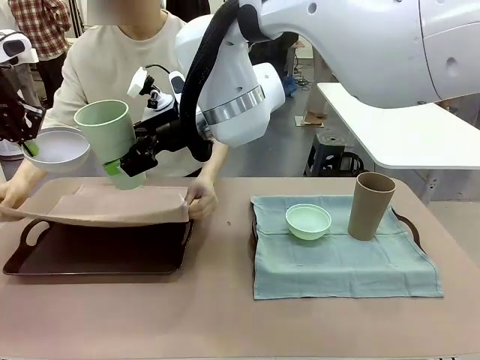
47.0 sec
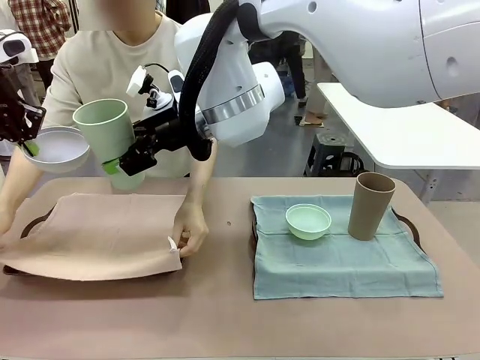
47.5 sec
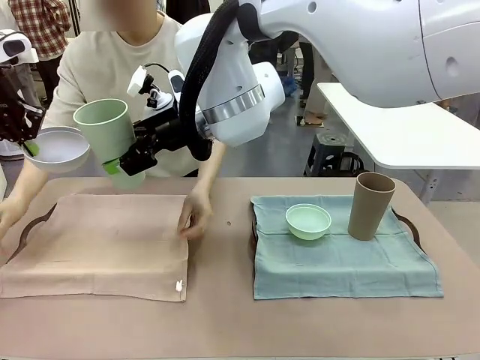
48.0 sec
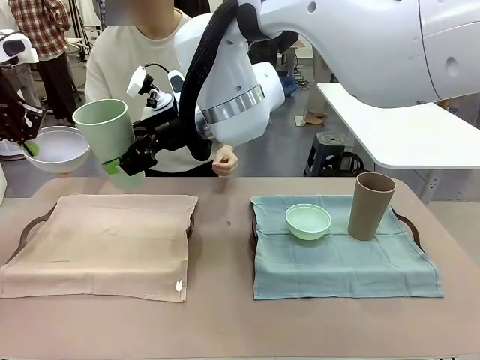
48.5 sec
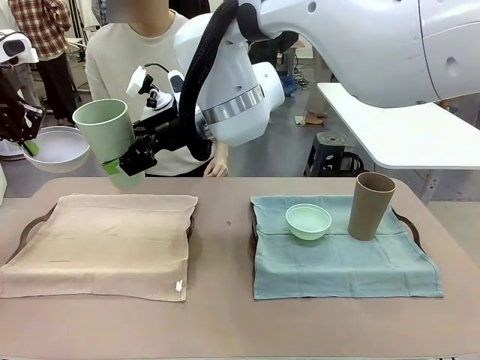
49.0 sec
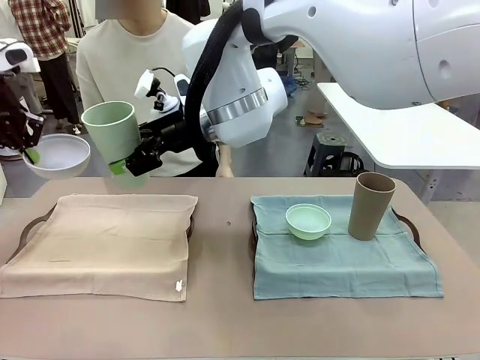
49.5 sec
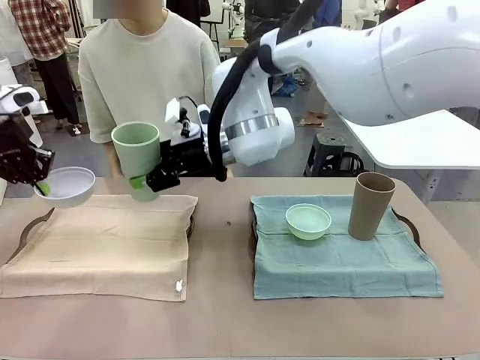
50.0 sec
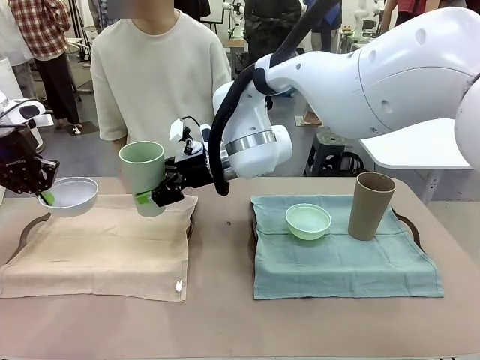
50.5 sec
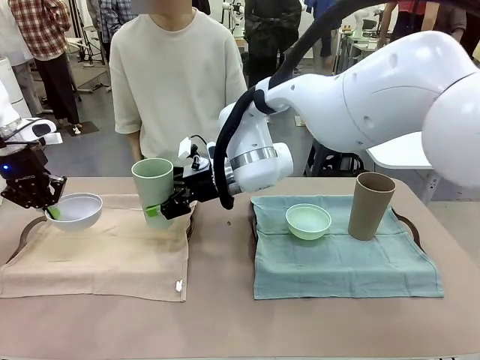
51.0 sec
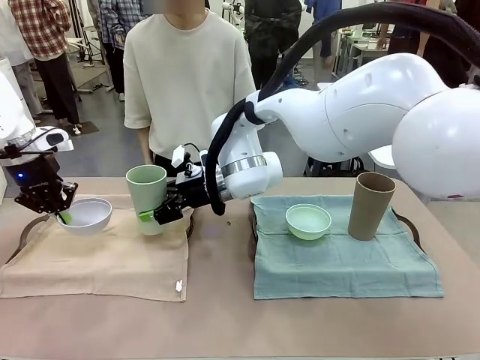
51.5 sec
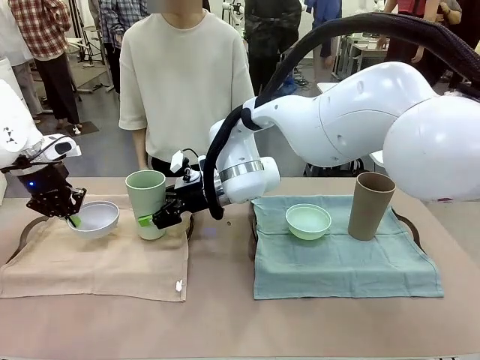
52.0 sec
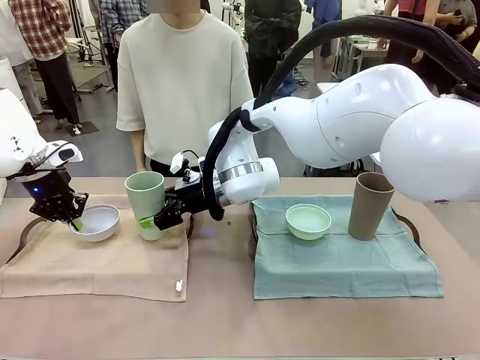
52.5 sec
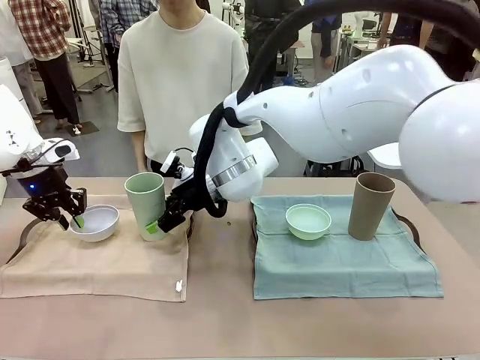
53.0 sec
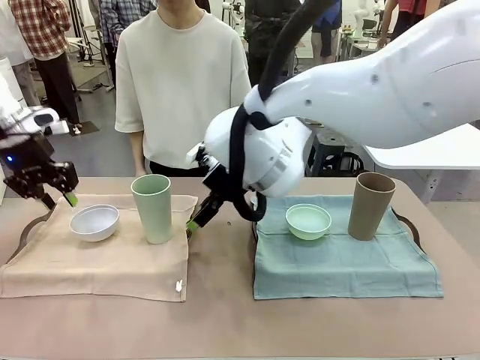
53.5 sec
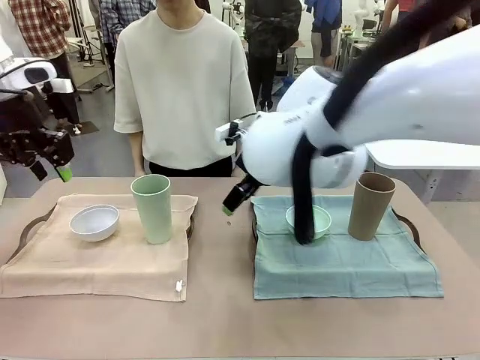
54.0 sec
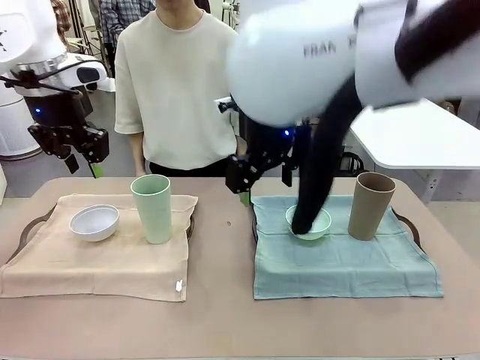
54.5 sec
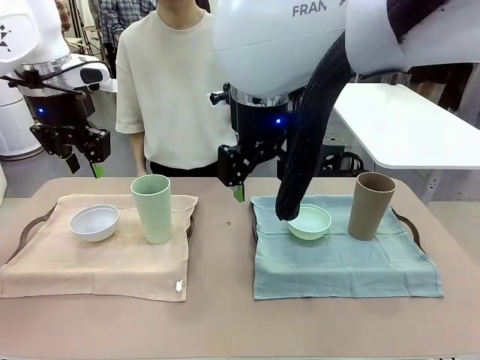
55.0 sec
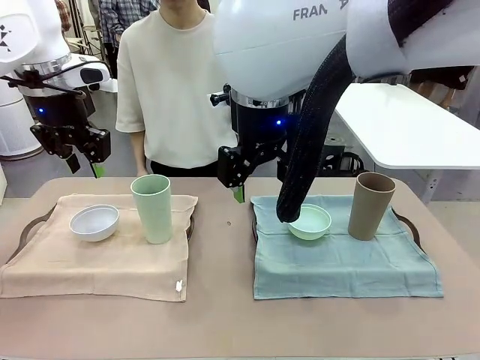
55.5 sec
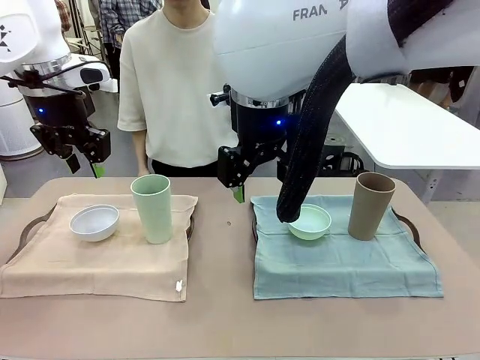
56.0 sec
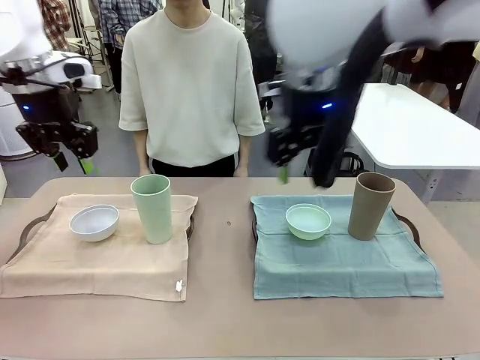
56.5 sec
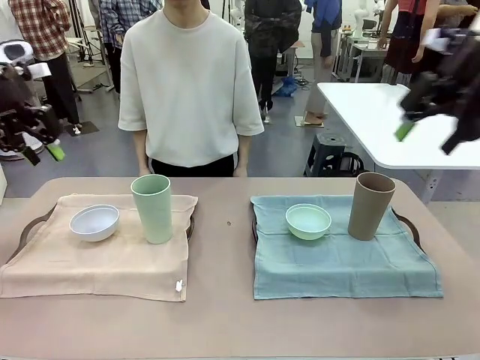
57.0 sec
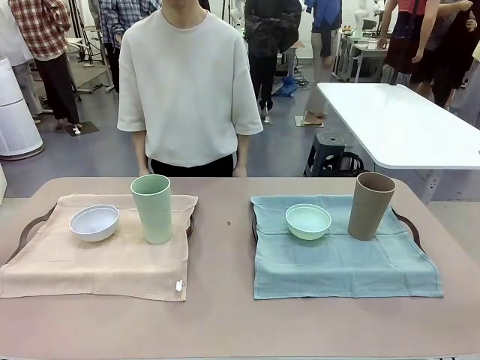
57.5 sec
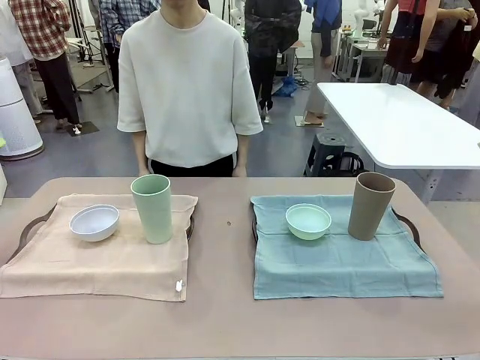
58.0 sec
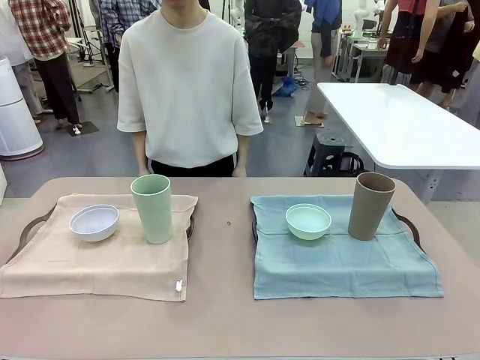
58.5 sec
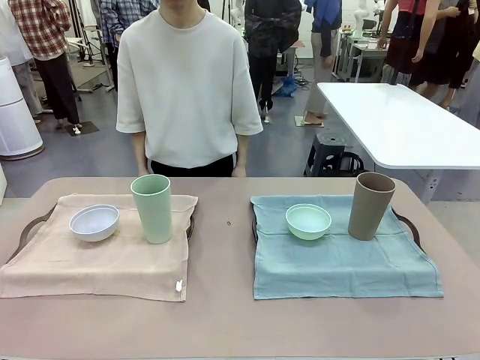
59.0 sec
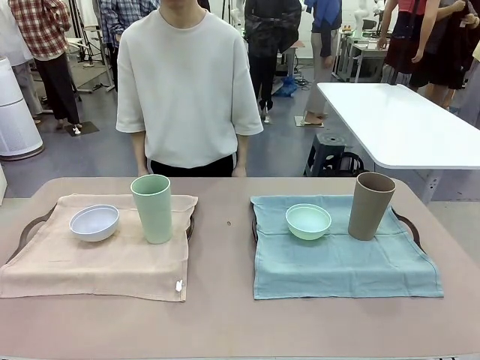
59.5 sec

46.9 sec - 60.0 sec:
Robot: Place the Picnic Bowl and Reusable plastic cup back onto the Handle tray in front of the human's position.

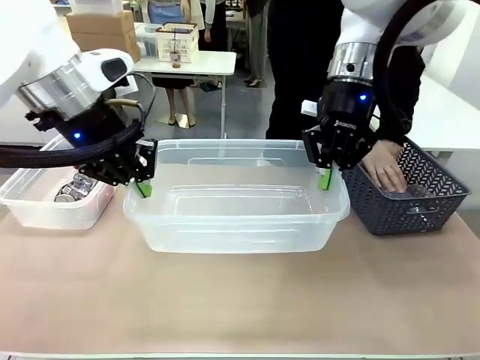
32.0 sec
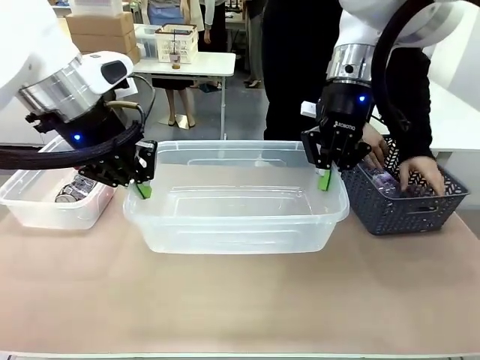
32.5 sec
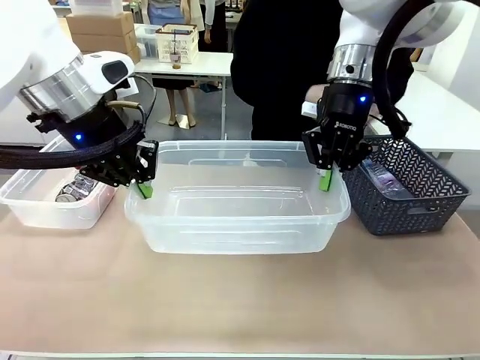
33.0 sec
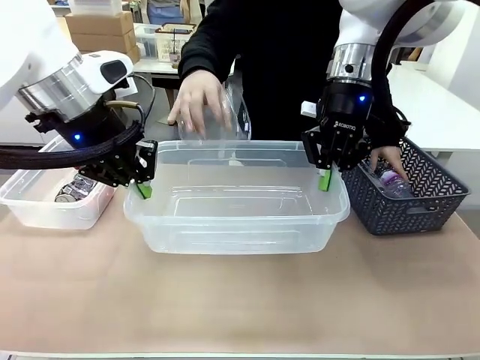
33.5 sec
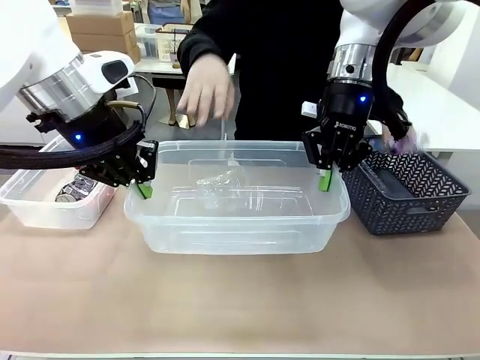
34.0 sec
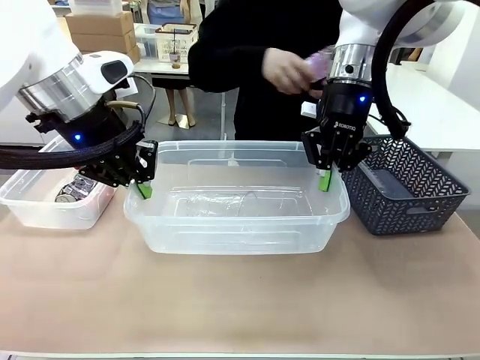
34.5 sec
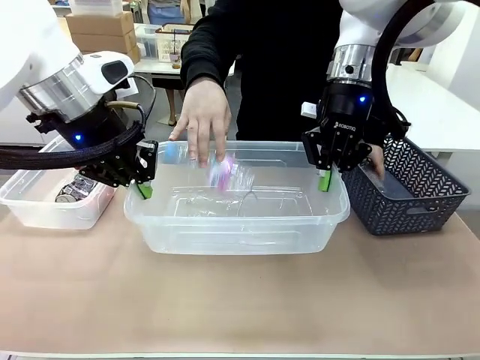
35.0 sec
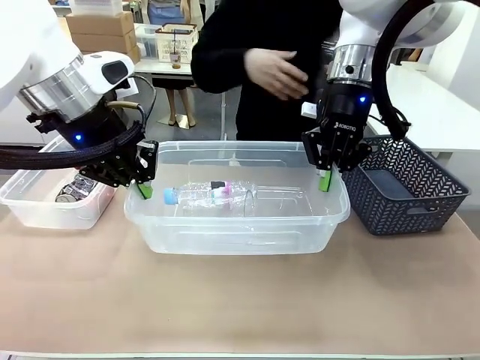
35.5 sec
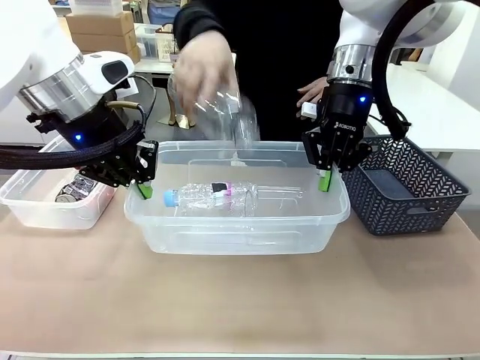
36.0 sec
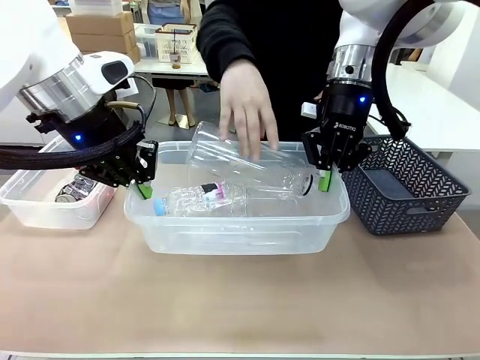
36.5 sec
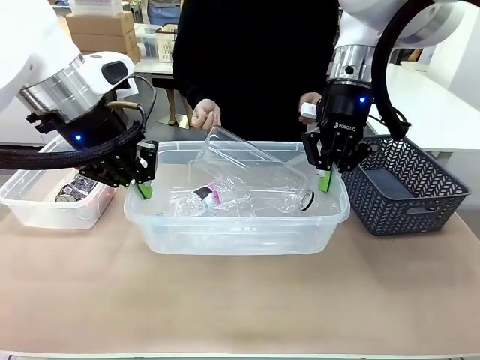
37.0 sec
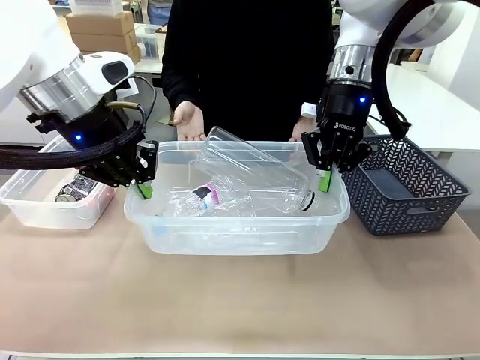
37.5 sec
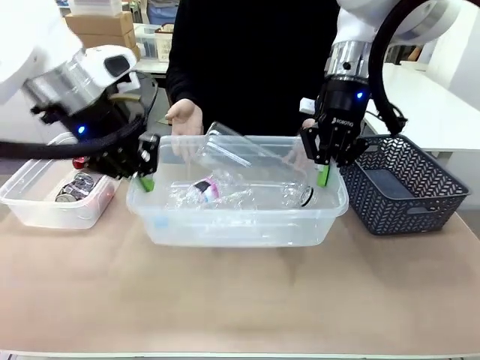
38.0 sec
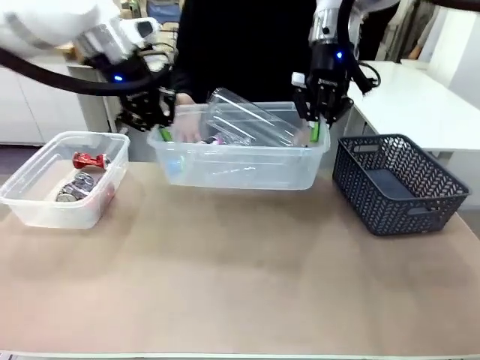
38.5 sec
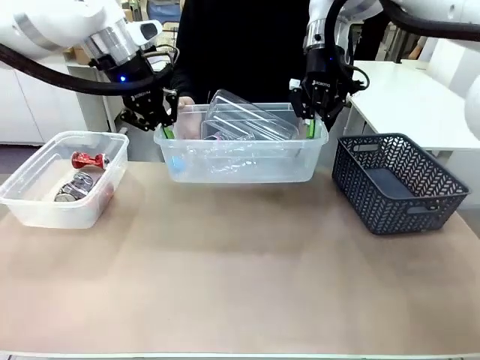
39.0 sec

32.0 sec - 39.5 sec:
Robot: Offer the picked Organizing box to the human.
Person: Pick up plastic waste one by one and place it into the organizing box lifted by the robot.

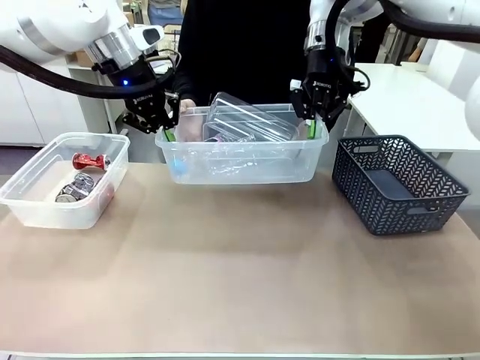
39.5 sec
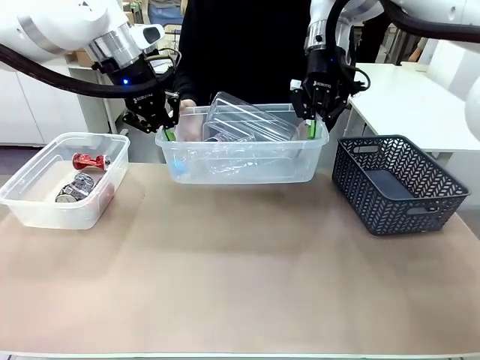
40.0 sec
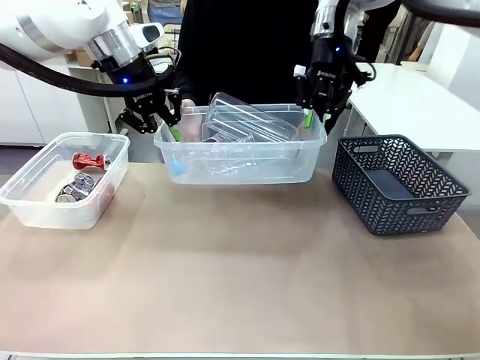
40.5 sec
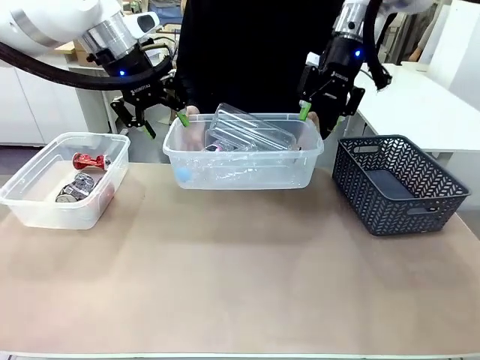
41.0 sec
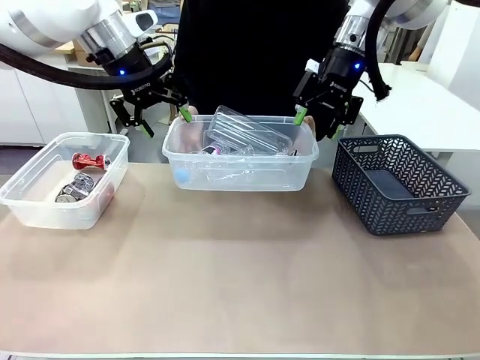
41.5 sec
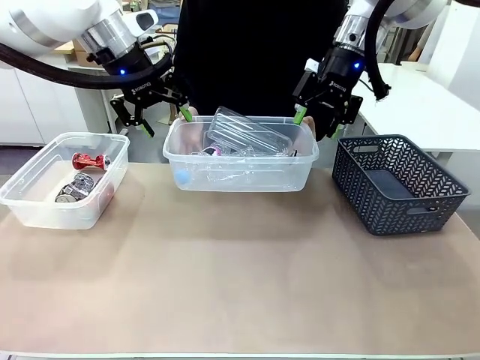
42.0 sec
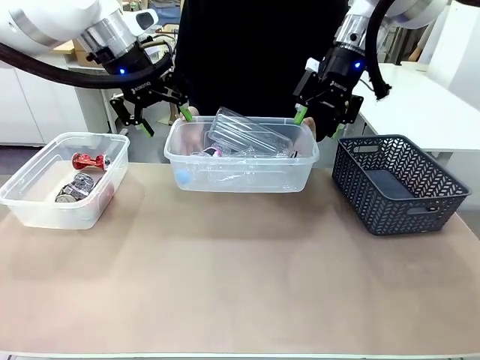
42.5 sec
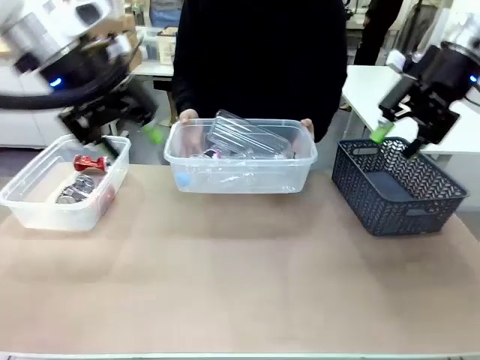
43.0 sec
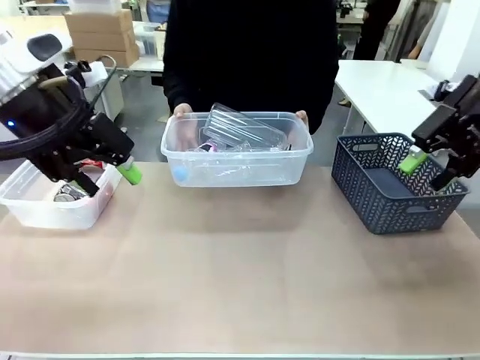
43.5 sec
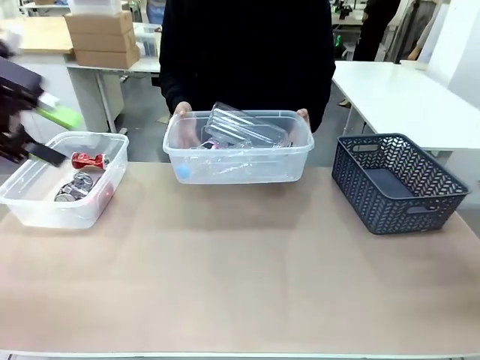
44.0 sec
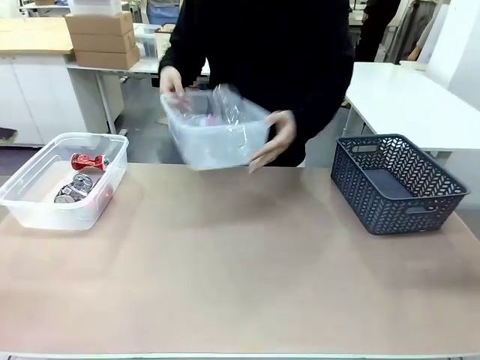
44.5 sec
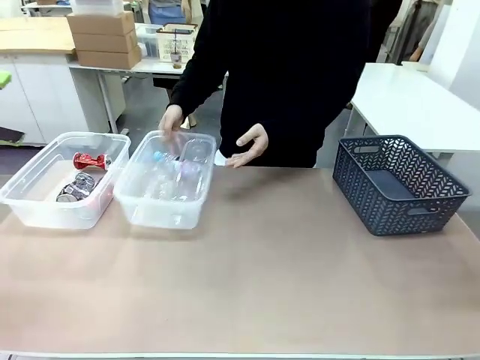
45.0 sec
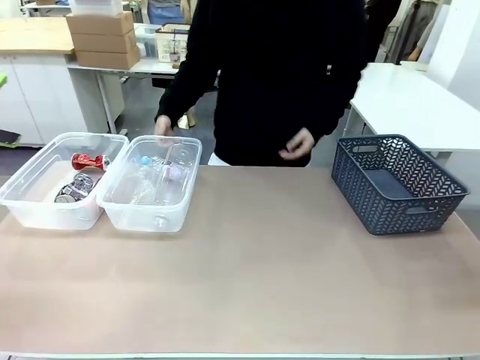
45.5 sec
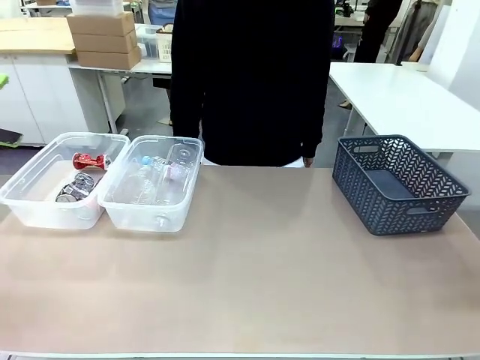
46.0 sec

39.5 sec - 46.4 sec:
Robot: Release the Organizing box you were holding.
Person: Pick up the organizing box extended by the robot. Place the organizing box to the left of the sorting box containing the can waste.
